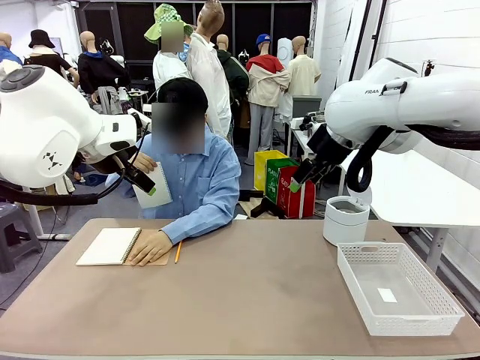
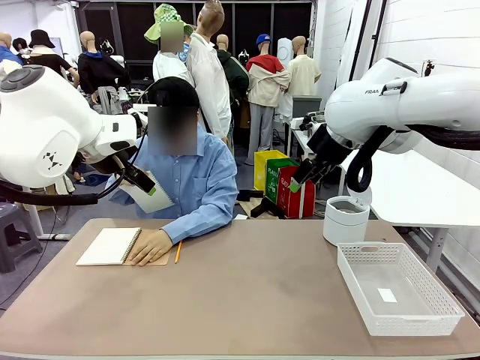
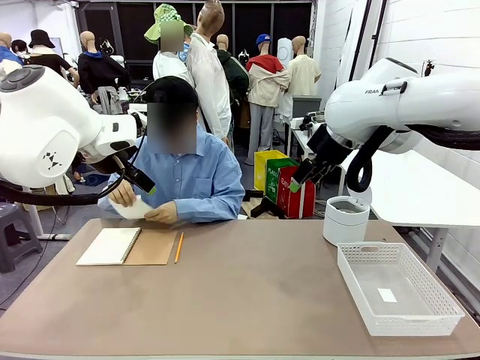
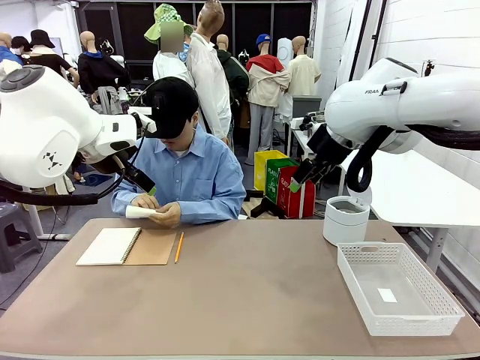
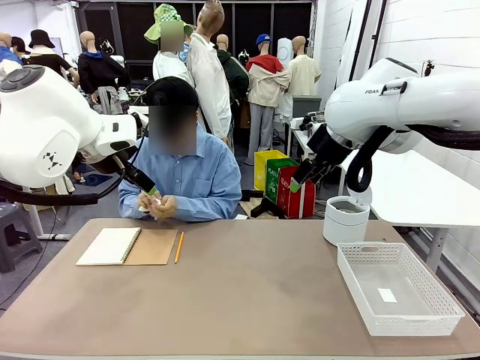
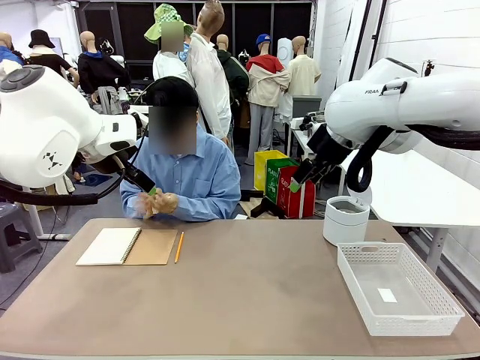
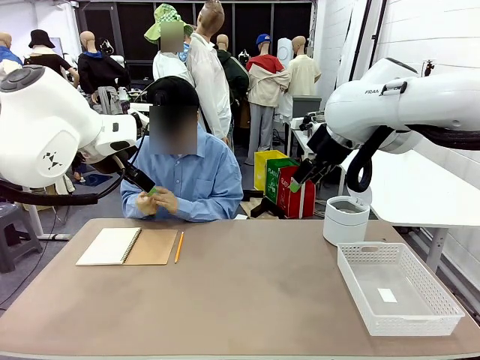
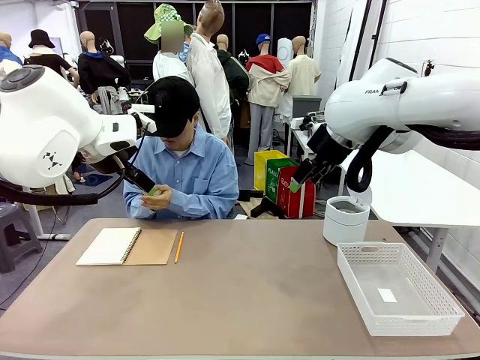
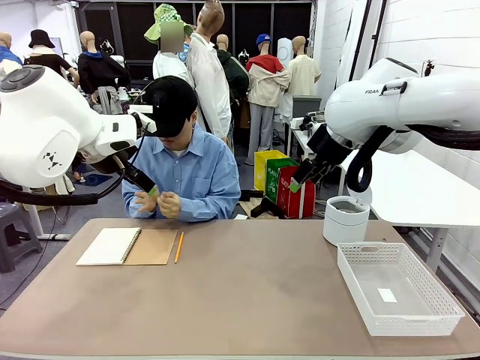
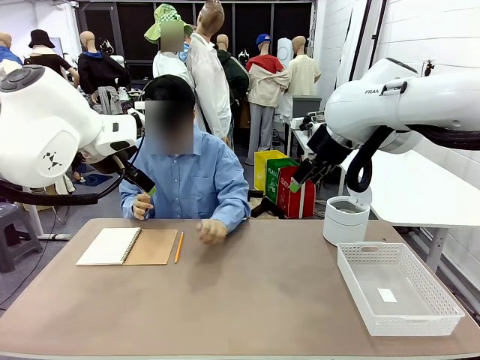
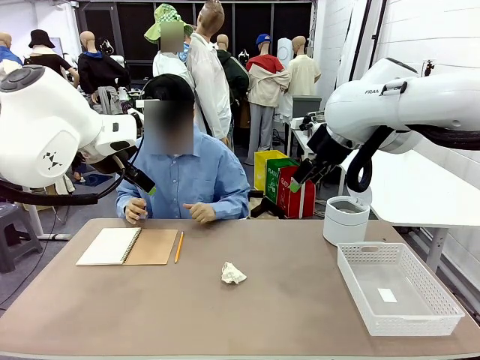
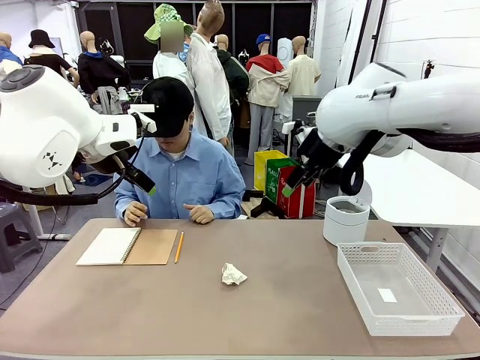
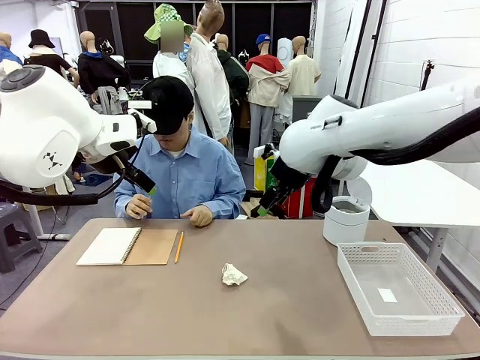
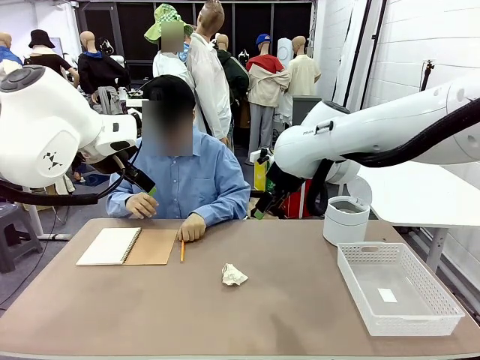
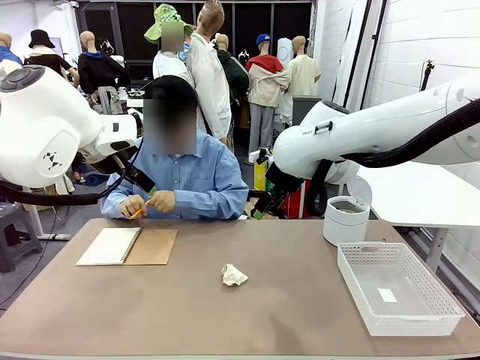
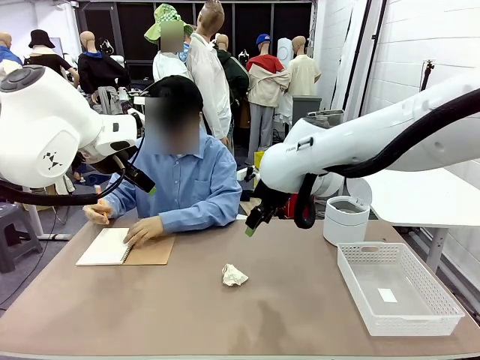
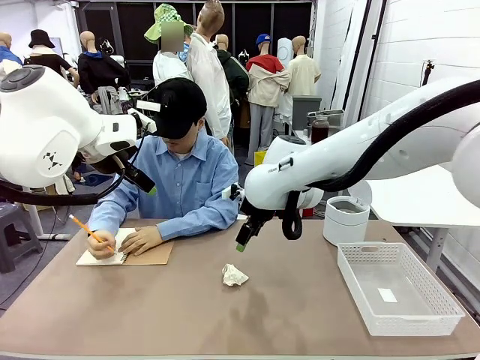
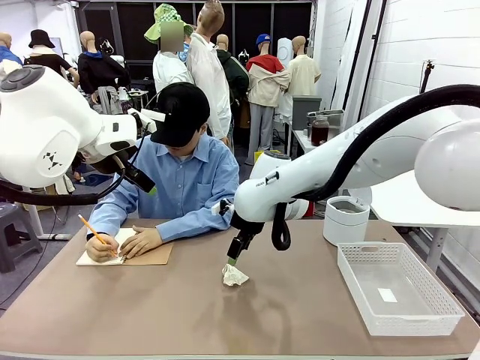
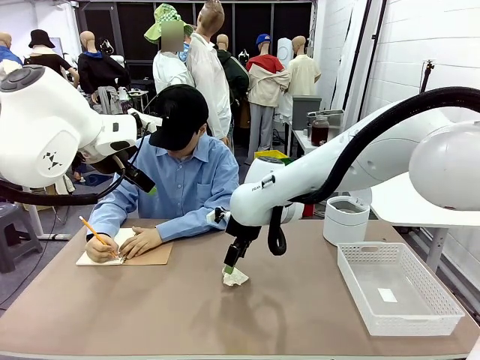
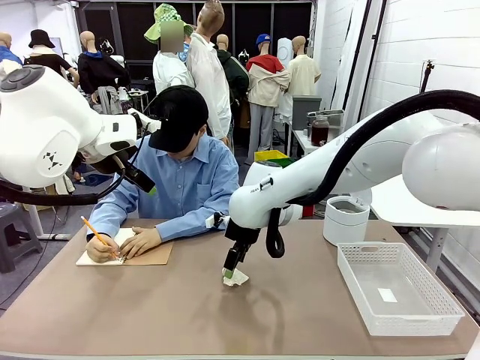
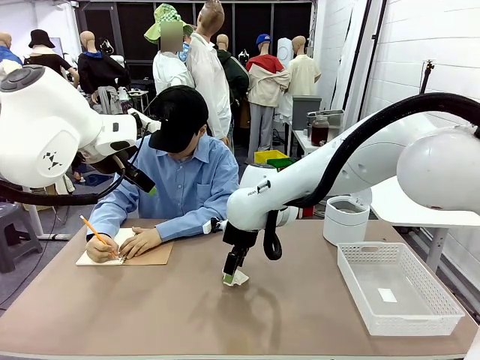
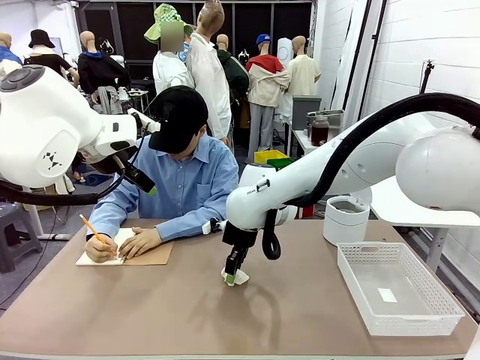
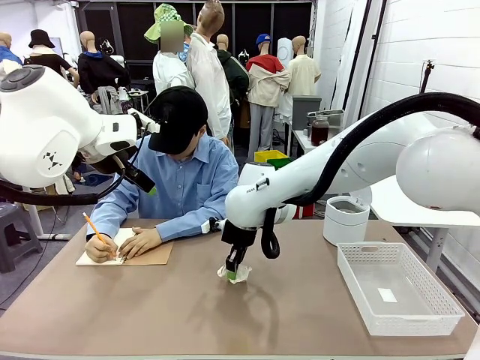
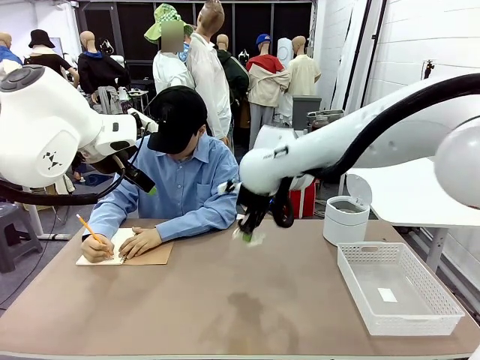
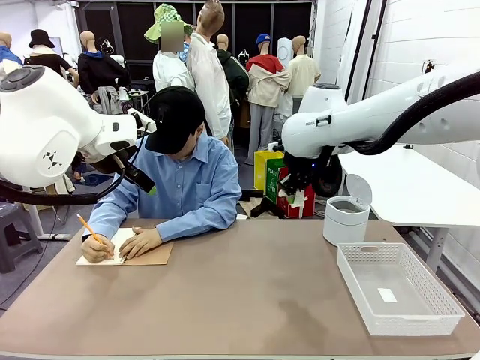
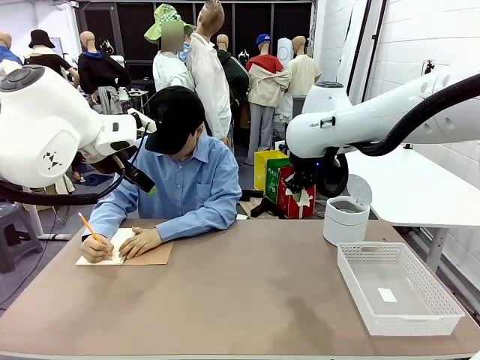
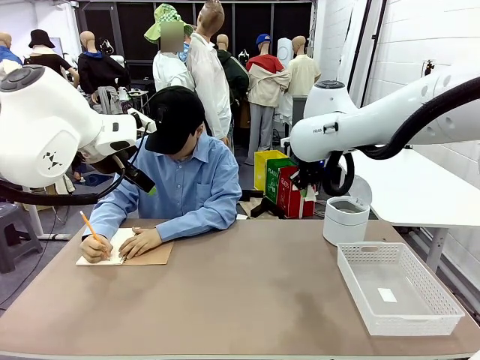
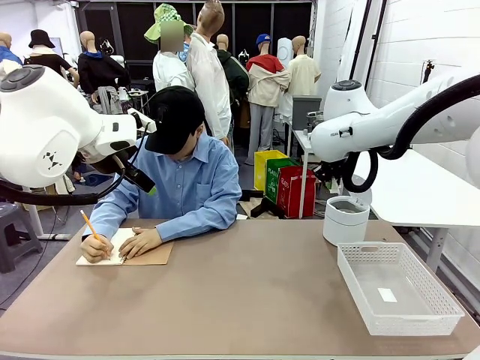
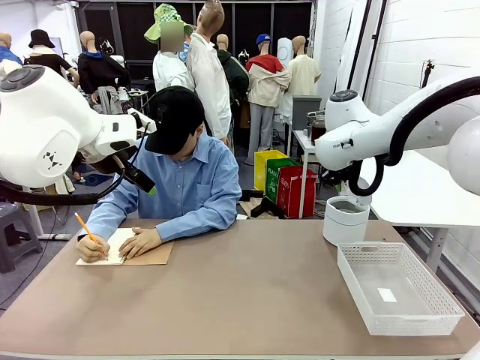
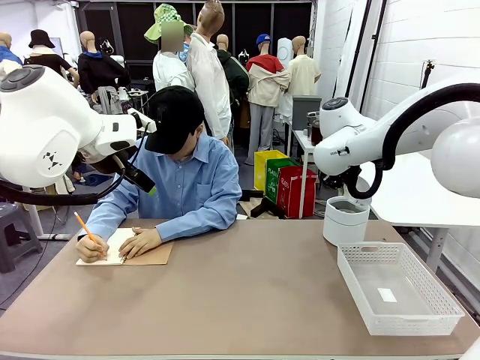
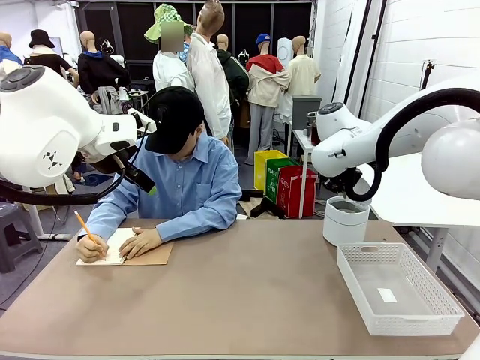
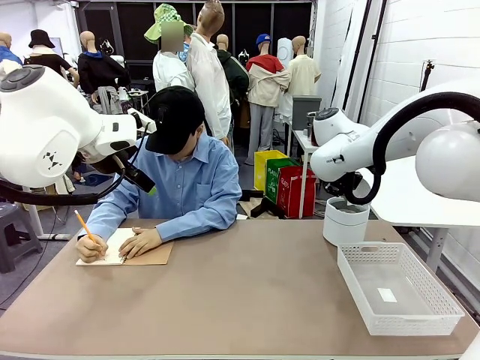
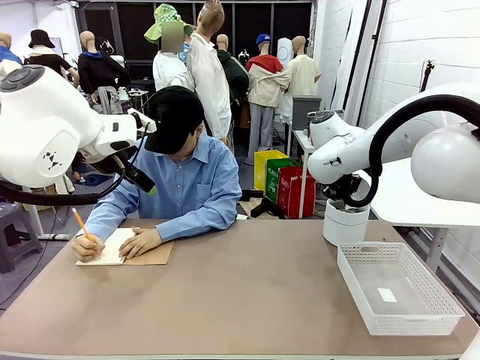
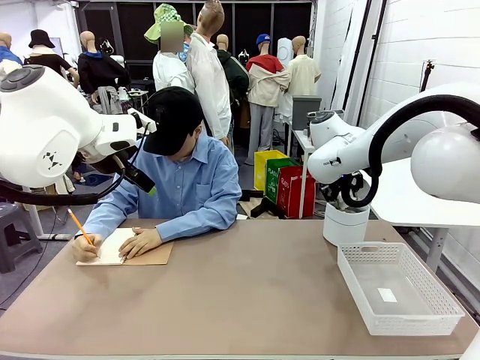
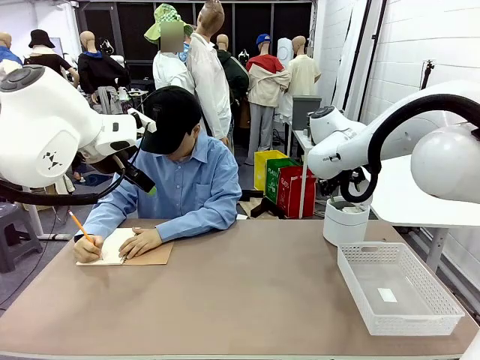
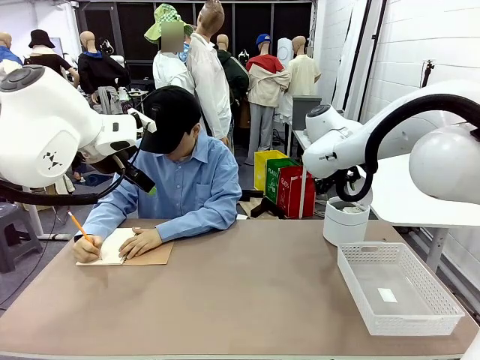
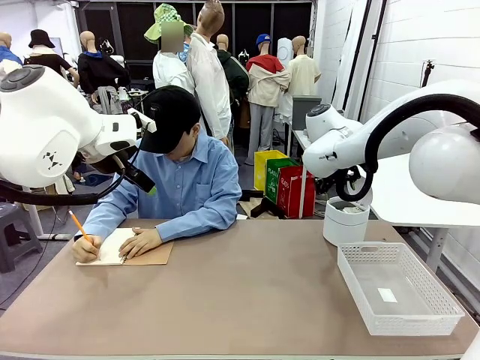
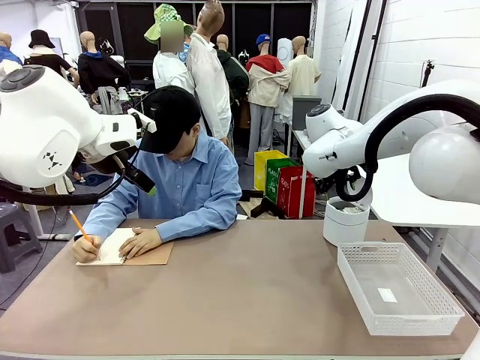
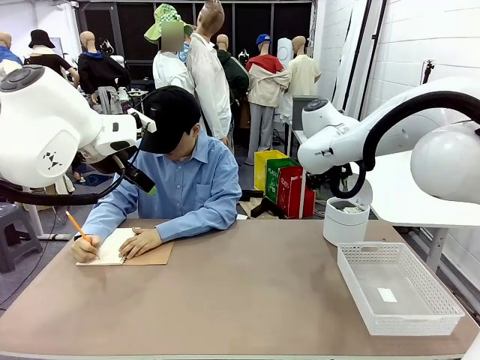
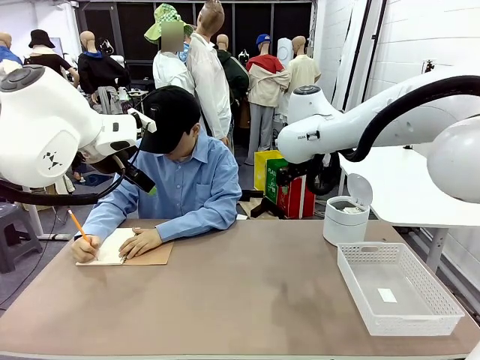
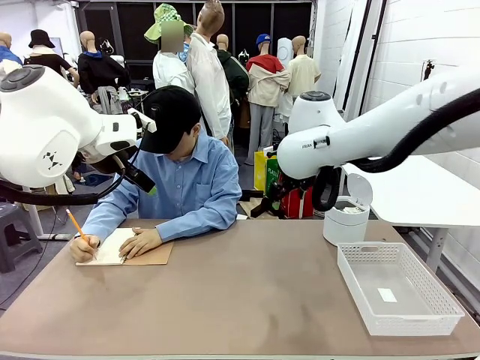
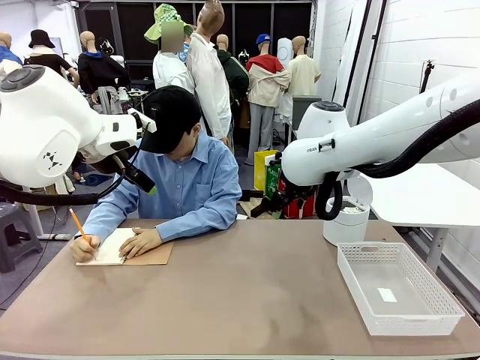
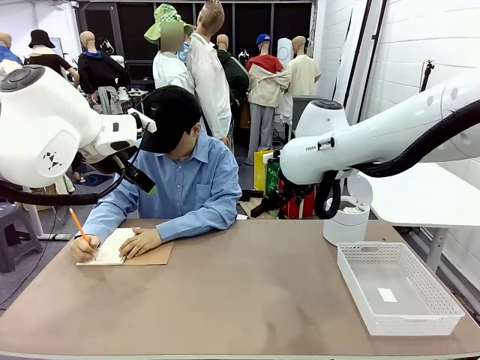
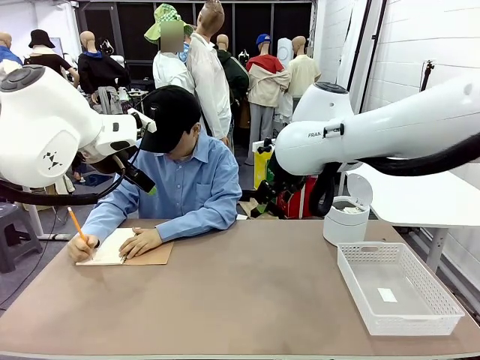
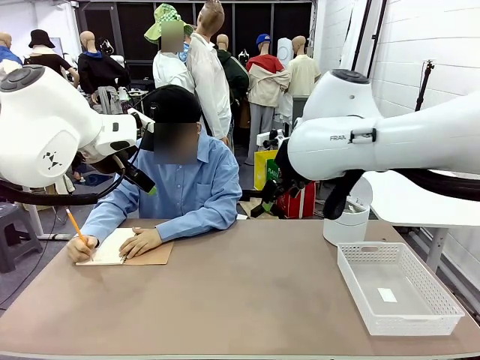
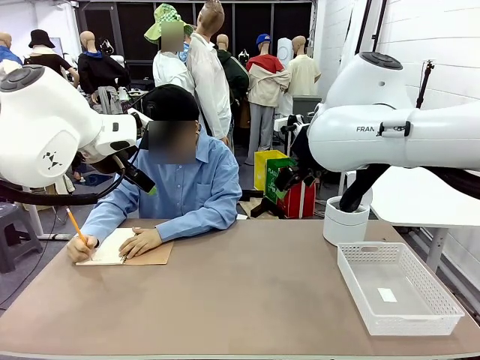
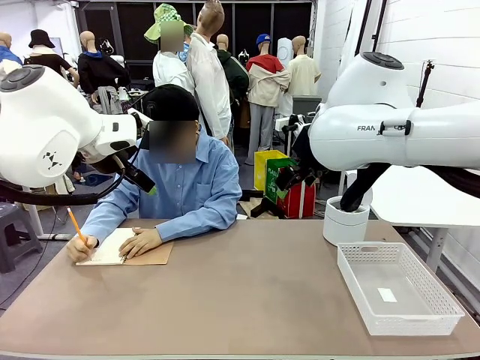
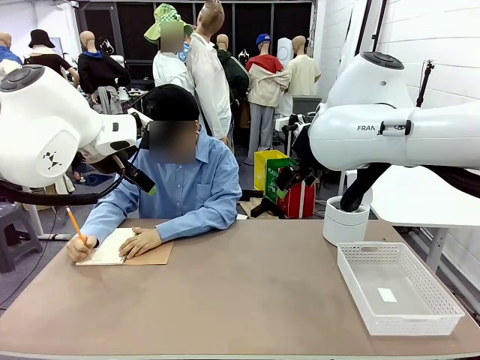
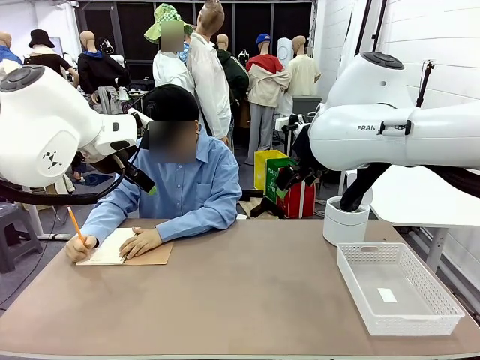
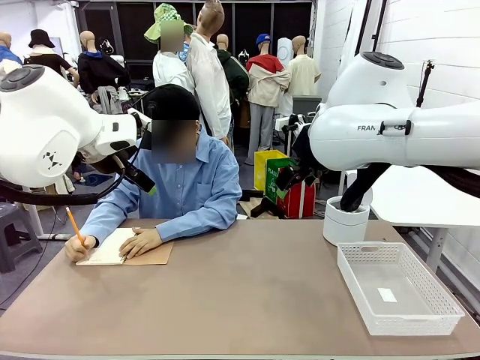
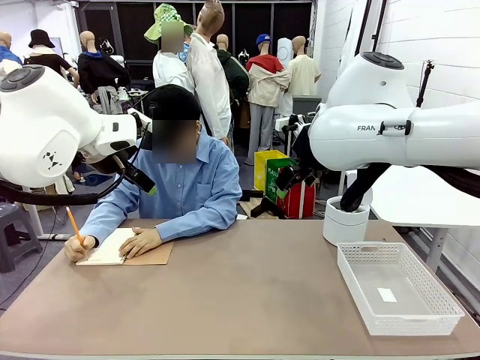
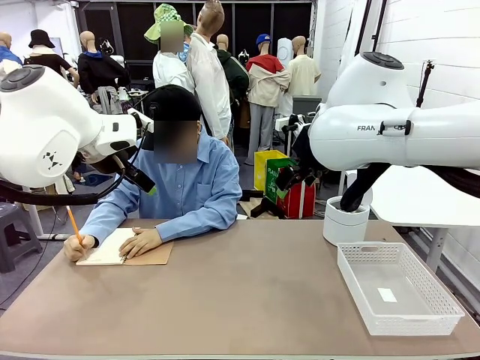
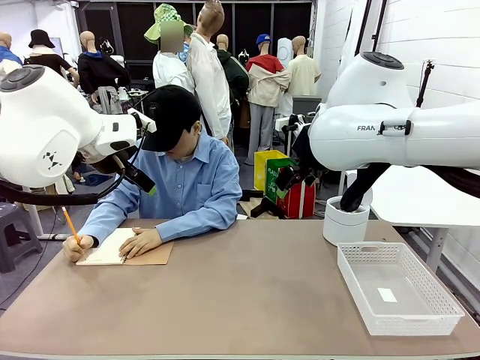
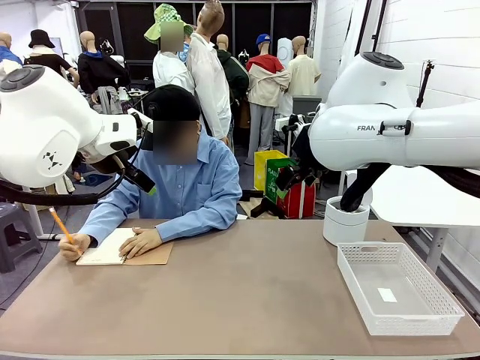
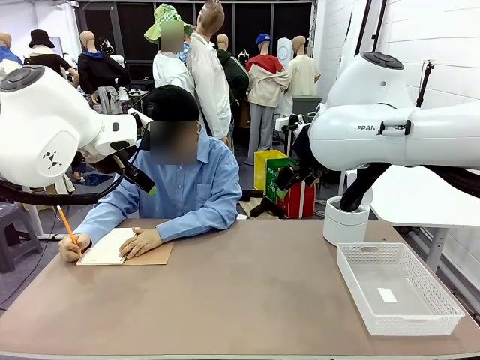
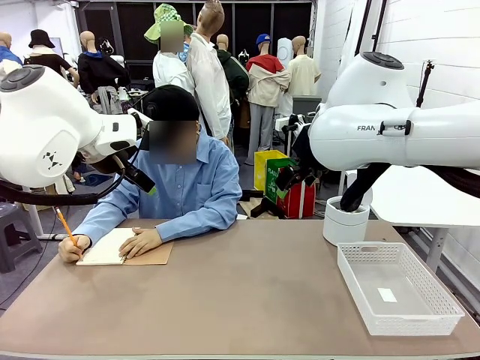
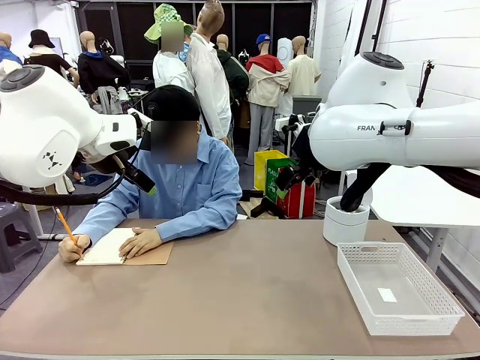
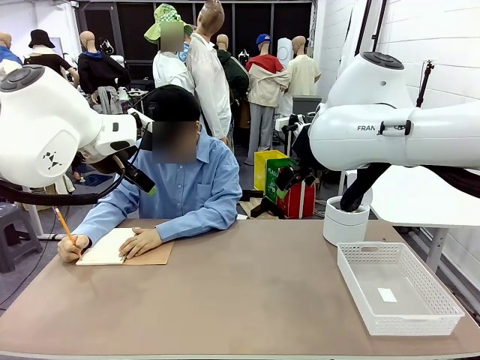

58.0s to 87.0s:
Task: Sort the paper based on its condition.
Robot: If a person hands you a paper, place it in the Organizing basket , and if it's crumpled, put it in the Trash can.
Person: Hand the torn page to the robot or crumple it and throw it to the center of the table. Tear out a page from the spiral notebook.
